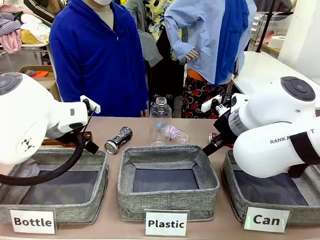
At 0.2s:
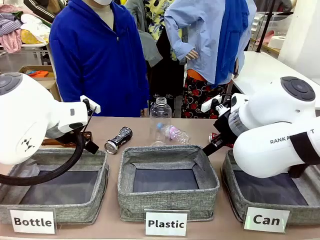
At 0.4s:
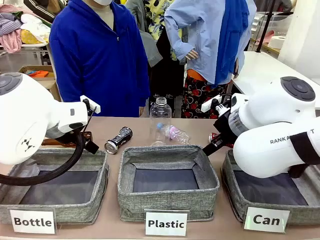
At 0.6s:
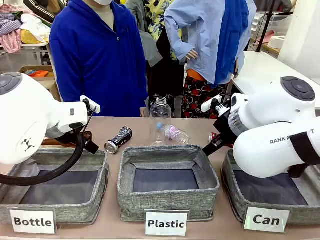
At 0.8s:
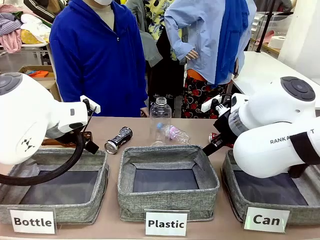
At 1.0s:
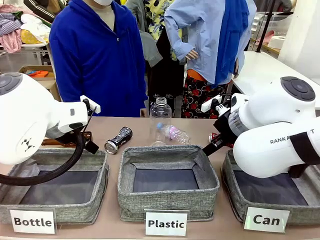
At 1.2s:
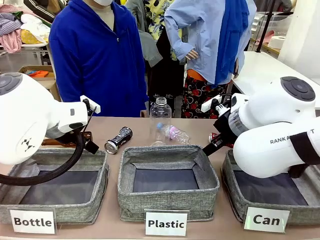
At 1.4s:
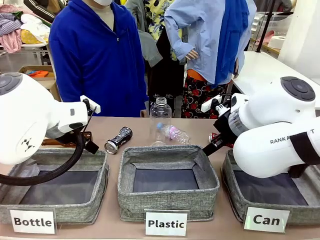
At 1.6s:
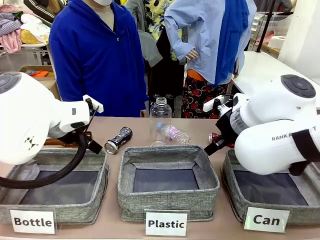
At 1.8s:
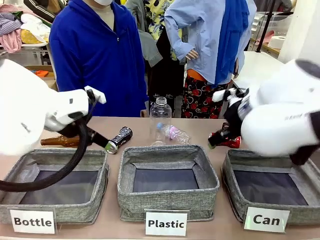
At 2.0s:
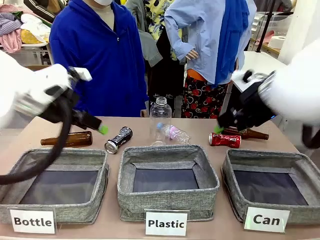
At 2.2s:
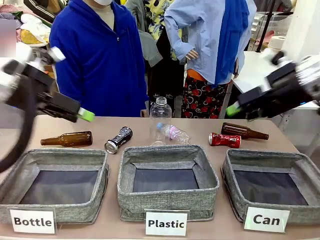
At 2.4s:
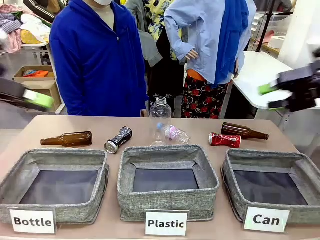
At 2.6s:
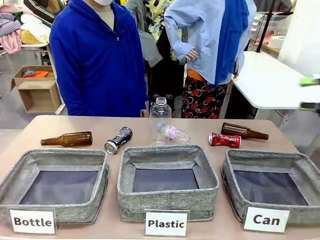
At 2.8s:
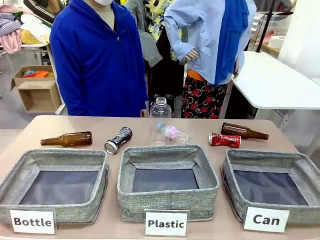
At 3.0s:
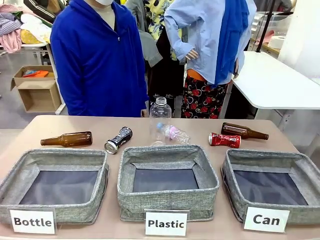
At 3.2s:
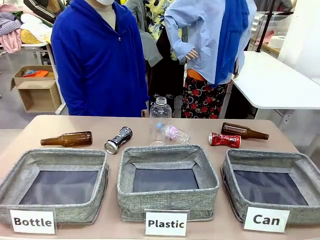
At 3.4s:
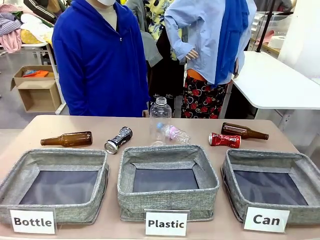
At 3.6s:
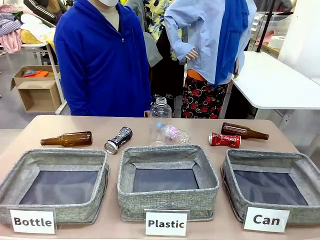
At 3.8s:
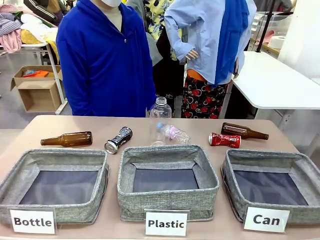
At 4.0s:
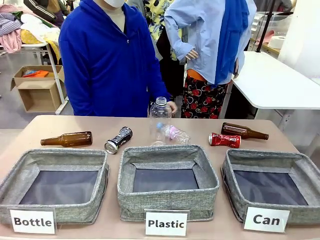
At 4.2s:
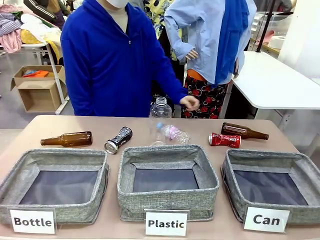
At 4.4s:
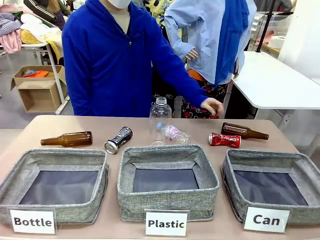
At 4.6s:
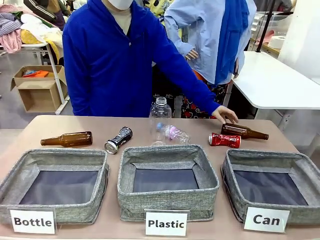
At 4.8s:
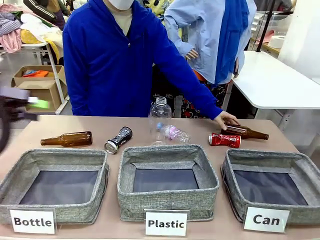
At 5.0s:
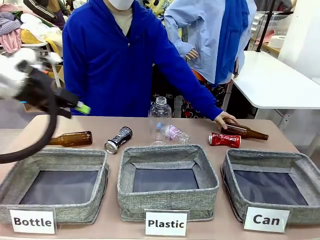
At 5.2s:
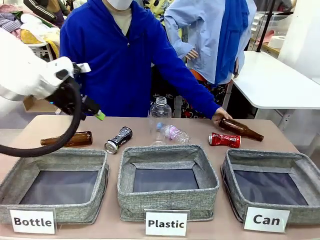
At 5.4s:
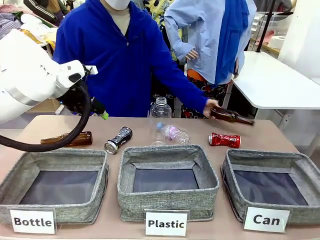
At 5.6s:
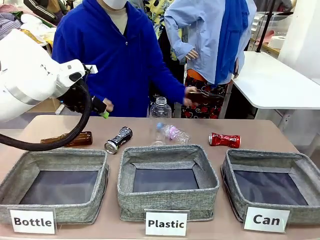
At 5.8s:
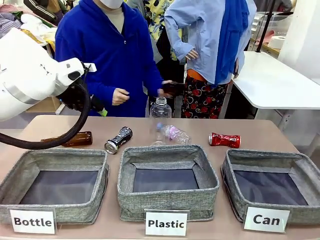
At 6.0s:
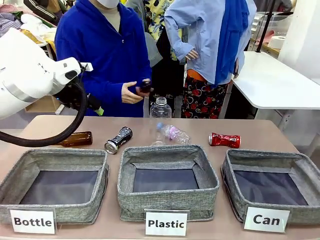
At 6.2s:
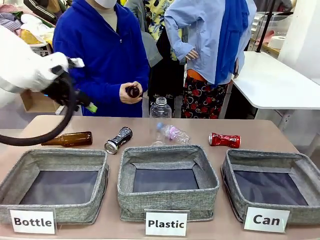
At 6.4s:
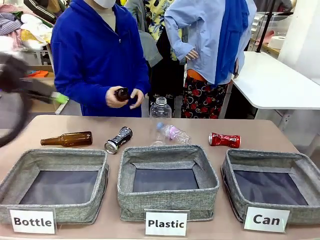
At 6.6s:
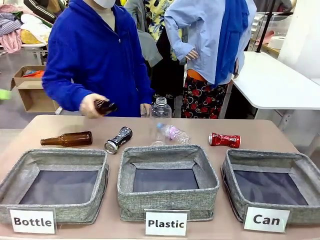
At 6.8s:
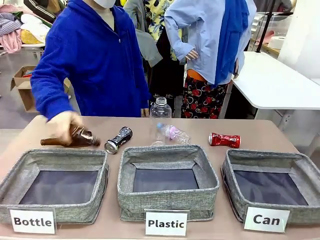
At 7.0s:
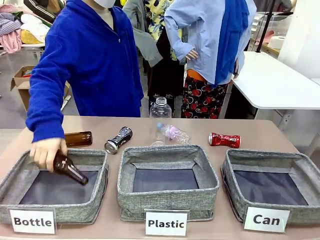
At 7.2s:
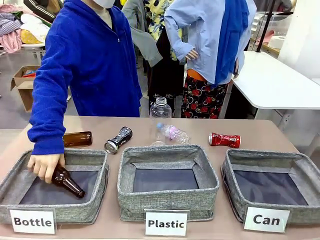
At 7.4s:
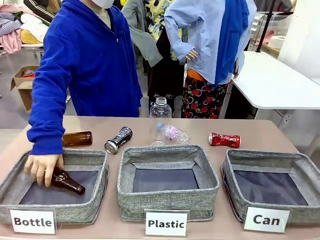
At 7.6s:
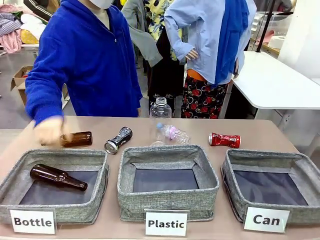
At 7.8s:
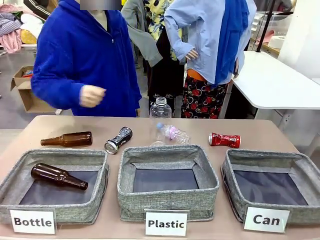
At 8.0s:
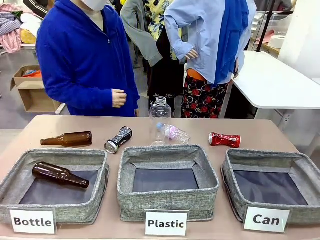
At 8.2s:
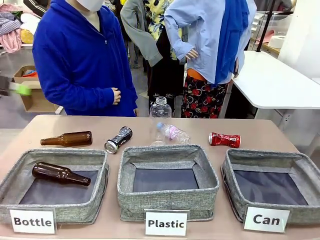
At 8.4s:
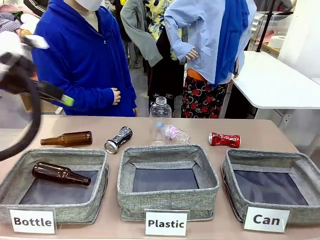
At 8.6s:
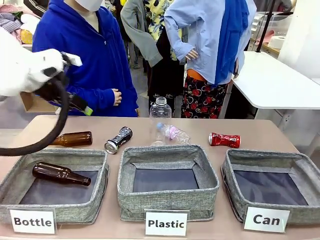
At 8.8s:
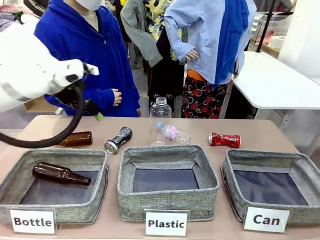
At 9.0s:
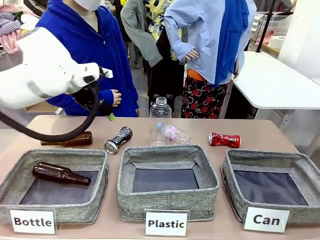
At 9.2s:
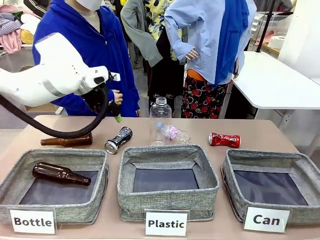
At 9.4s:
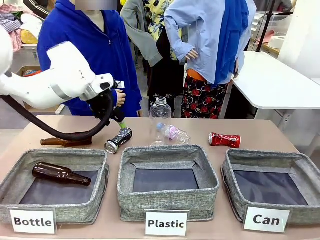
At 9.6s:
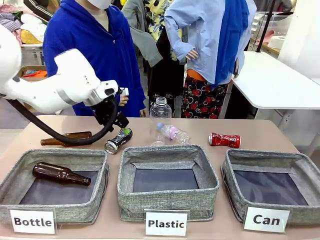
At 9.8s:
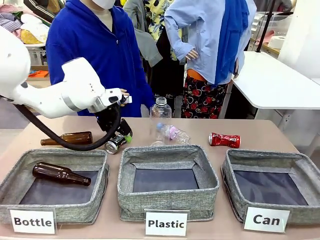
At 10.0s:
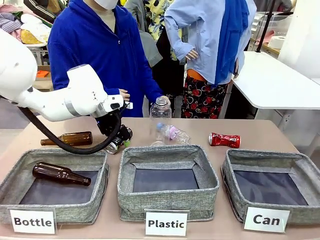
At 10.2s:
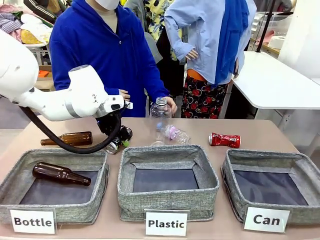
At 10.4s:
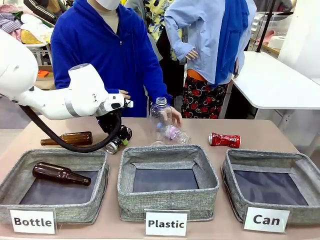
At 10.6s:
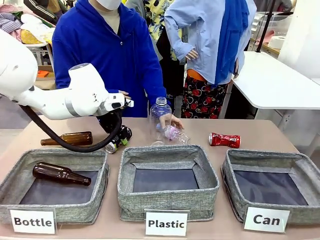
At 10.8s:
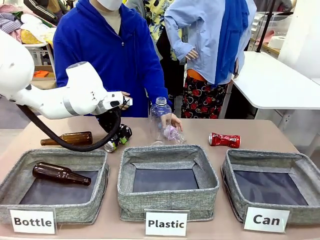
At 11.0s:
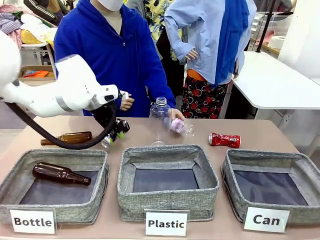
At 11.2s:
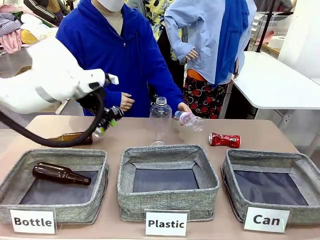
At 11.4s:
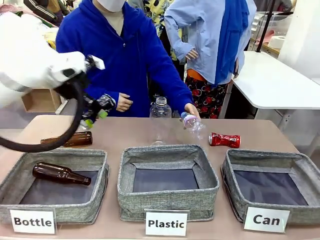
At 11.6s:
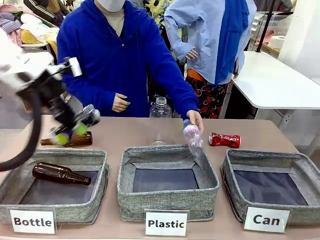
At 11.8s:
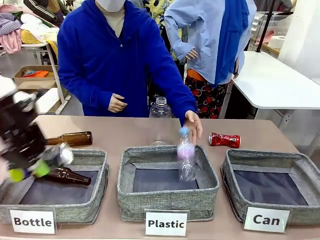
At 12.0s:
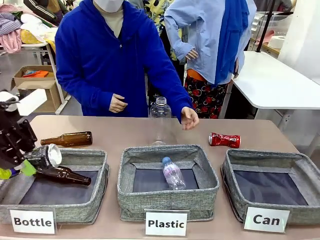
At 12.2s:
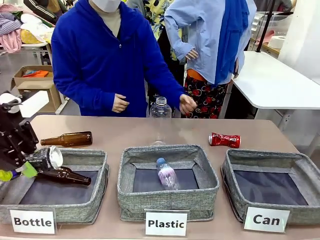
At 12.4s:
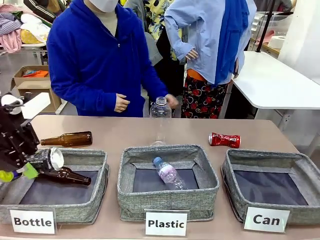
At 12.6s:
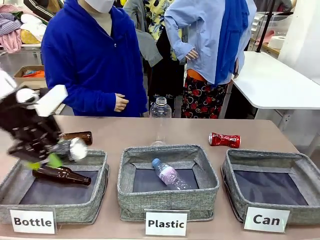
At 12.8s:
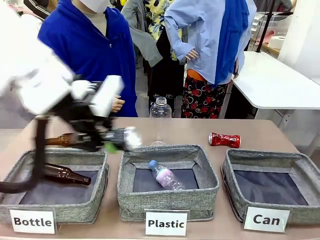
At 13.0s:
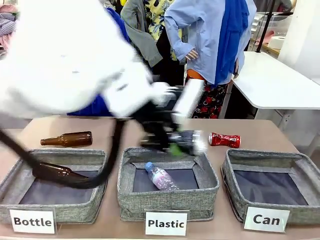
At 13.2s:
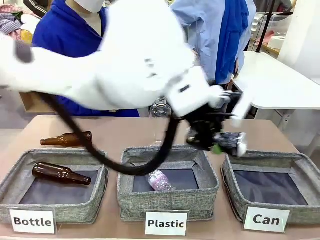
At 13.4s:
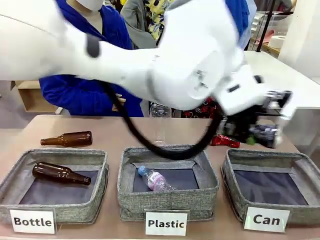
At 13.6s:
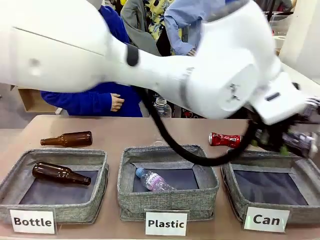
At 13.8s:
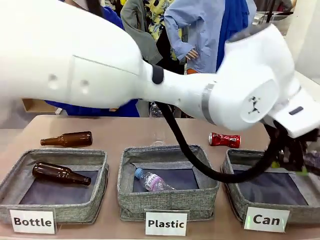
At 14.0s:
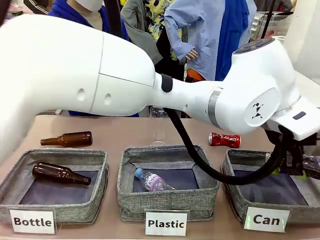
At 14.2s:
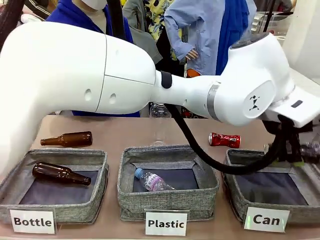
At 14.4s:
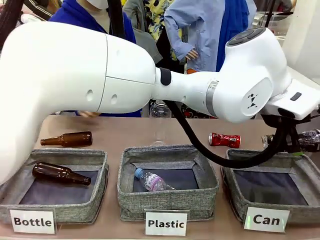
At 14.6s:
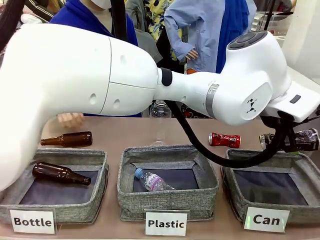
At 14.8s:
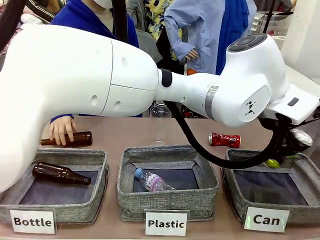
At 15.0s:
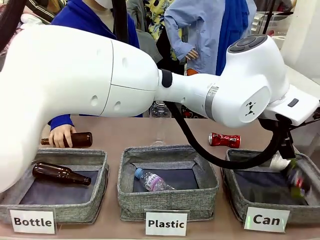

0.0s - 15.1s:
Task: Sort the can waste into the basket.
Robot: Pick up the can waste from the table and place it in the right Fabric basket.
